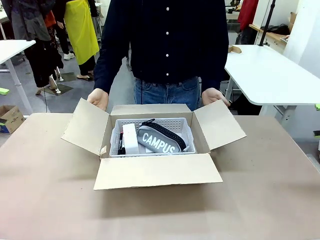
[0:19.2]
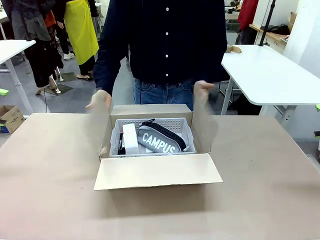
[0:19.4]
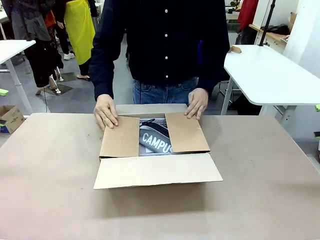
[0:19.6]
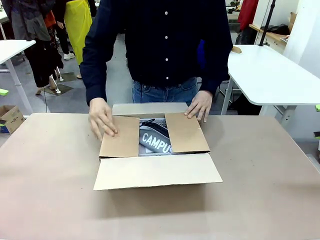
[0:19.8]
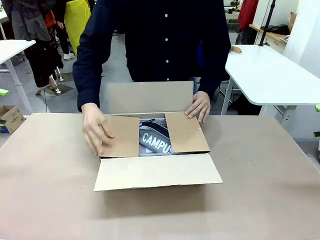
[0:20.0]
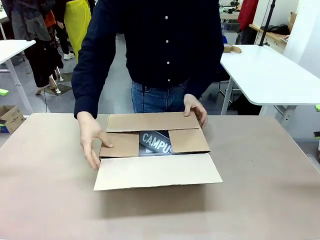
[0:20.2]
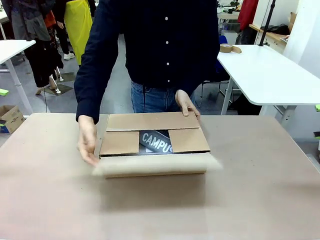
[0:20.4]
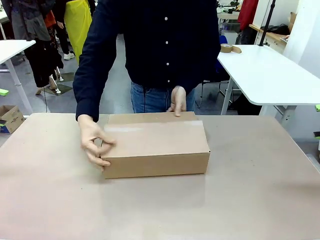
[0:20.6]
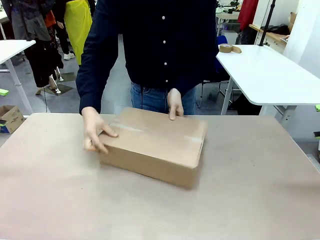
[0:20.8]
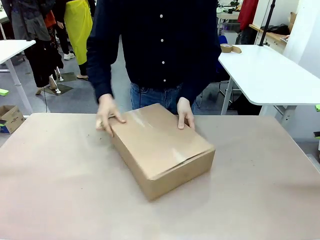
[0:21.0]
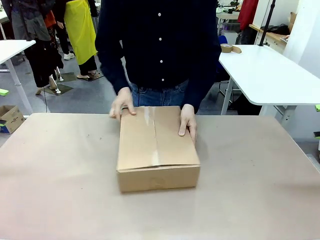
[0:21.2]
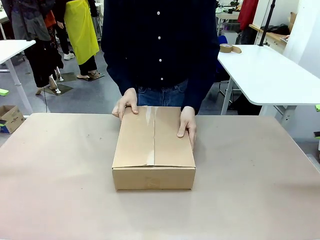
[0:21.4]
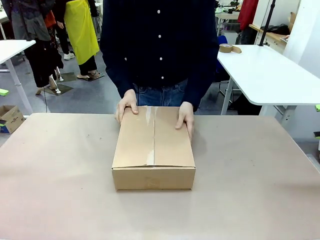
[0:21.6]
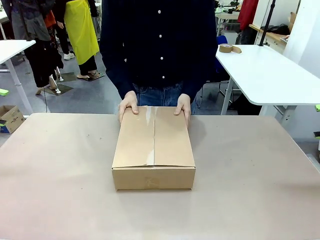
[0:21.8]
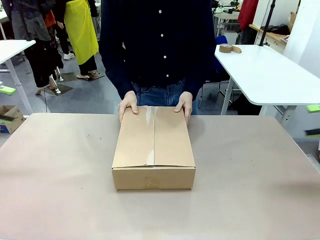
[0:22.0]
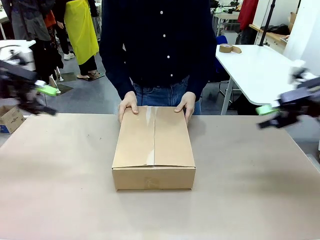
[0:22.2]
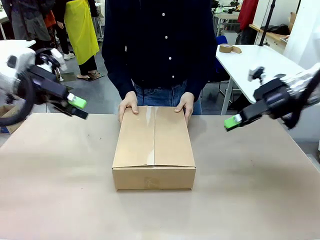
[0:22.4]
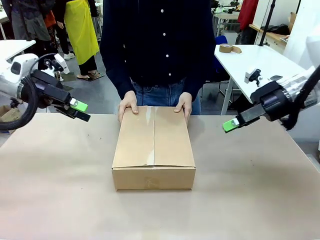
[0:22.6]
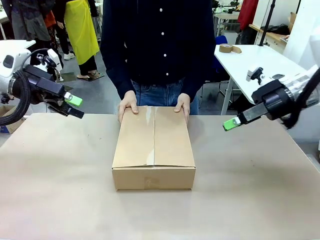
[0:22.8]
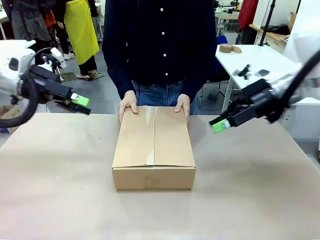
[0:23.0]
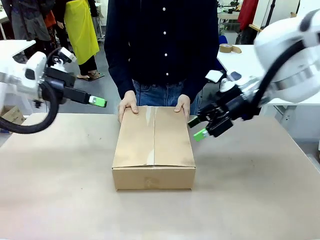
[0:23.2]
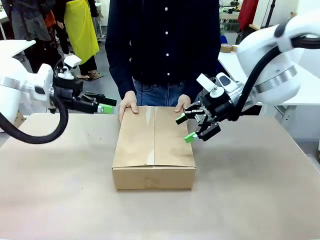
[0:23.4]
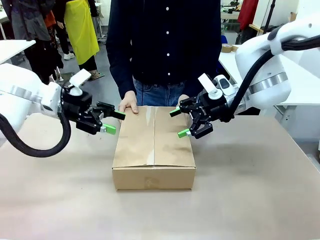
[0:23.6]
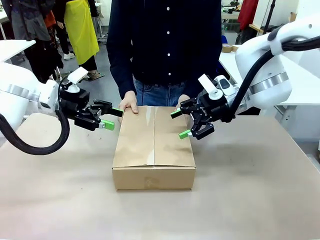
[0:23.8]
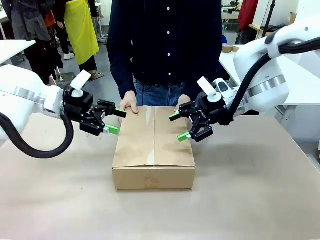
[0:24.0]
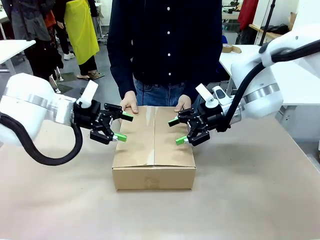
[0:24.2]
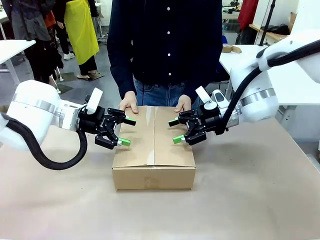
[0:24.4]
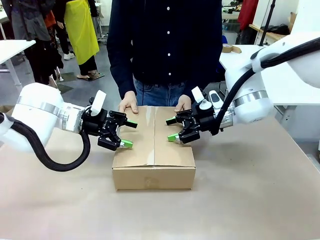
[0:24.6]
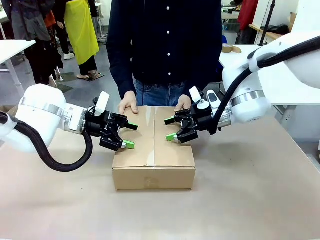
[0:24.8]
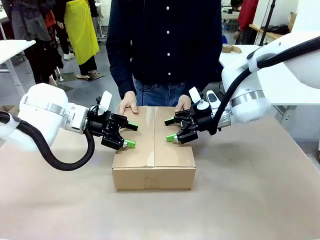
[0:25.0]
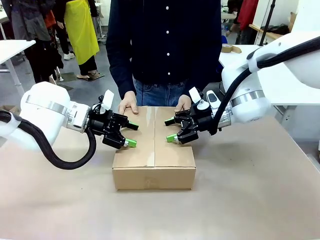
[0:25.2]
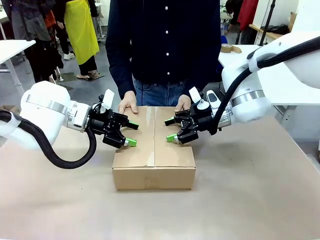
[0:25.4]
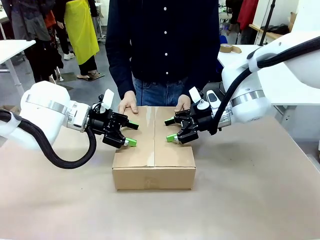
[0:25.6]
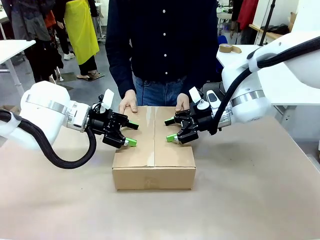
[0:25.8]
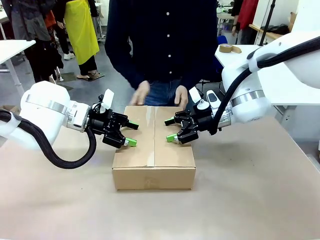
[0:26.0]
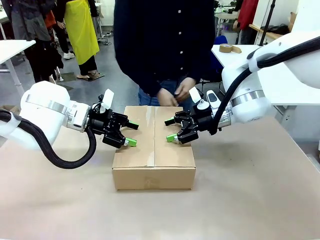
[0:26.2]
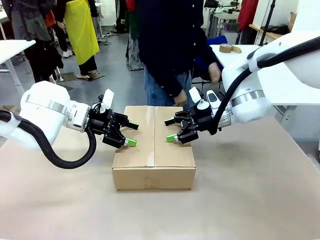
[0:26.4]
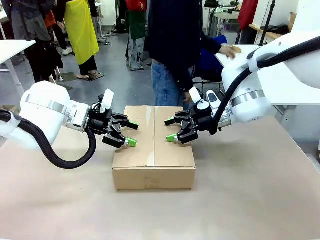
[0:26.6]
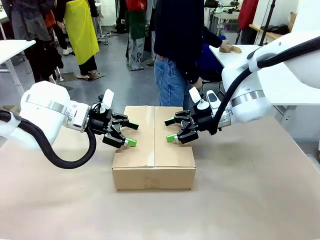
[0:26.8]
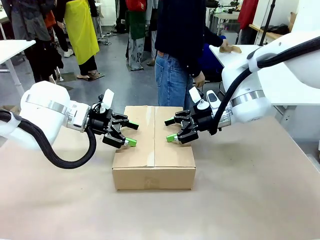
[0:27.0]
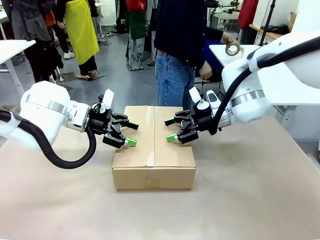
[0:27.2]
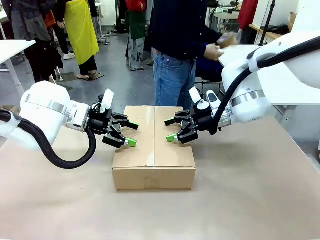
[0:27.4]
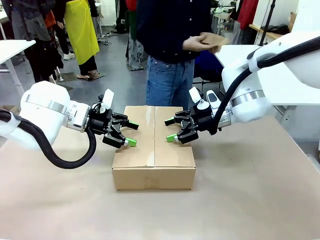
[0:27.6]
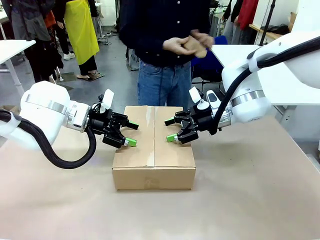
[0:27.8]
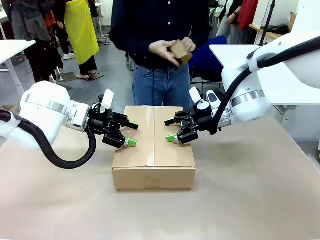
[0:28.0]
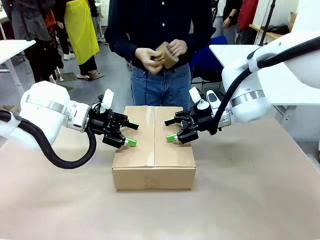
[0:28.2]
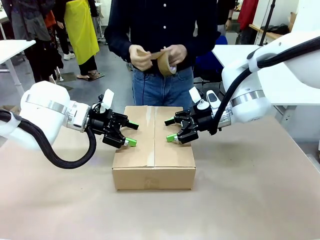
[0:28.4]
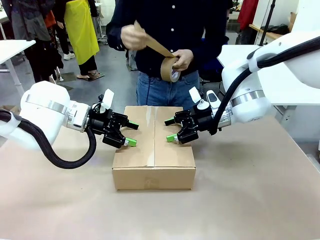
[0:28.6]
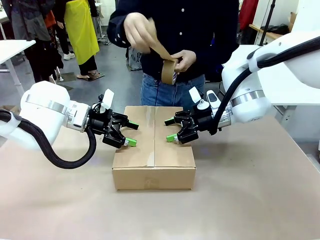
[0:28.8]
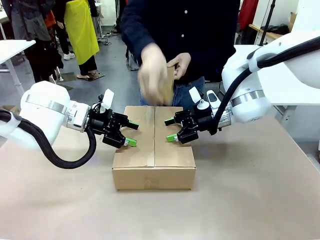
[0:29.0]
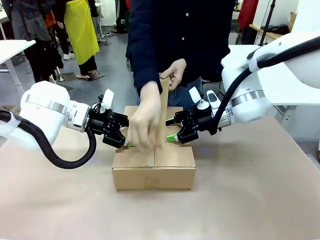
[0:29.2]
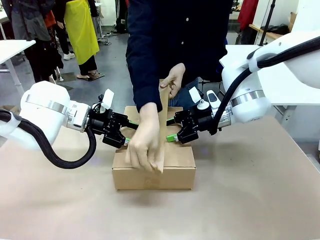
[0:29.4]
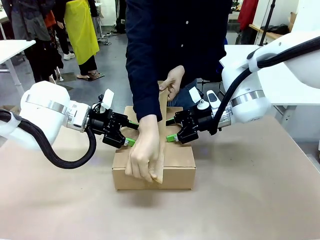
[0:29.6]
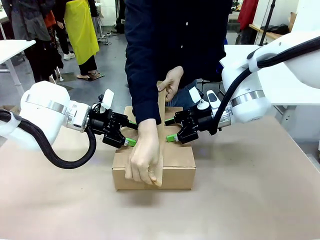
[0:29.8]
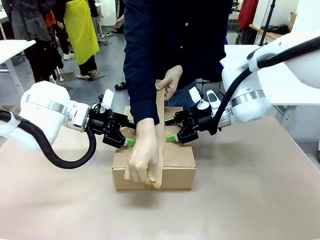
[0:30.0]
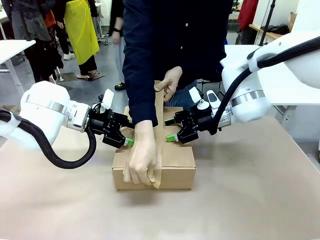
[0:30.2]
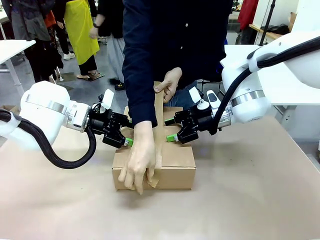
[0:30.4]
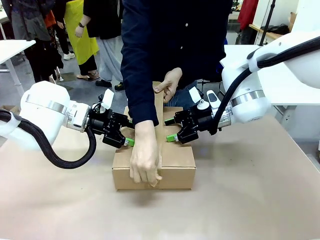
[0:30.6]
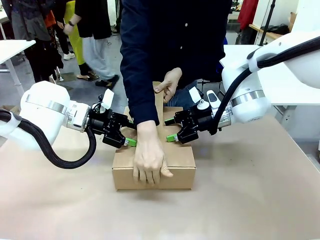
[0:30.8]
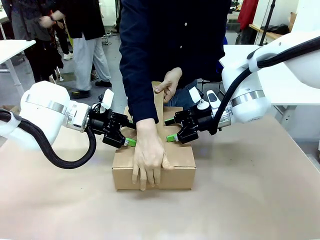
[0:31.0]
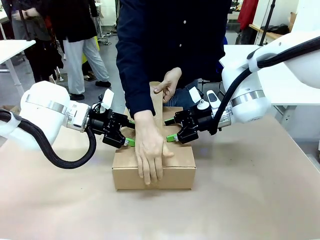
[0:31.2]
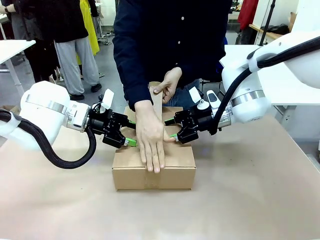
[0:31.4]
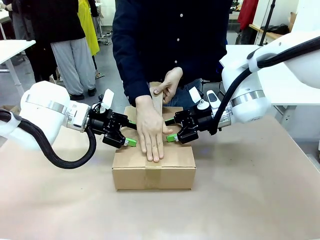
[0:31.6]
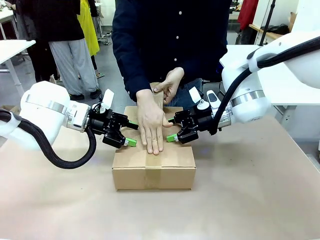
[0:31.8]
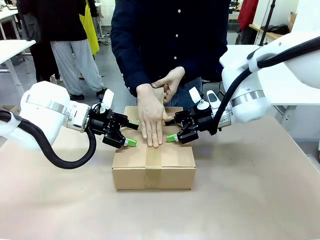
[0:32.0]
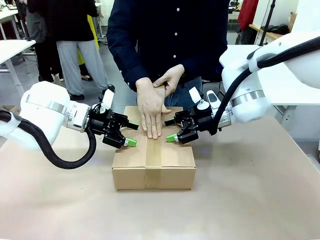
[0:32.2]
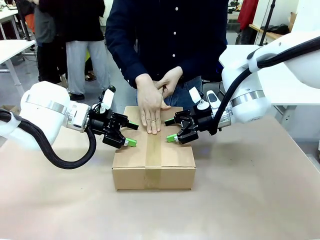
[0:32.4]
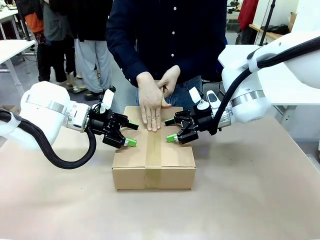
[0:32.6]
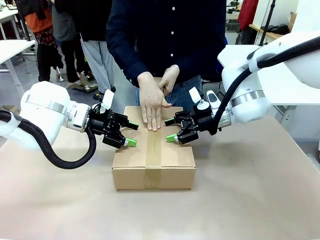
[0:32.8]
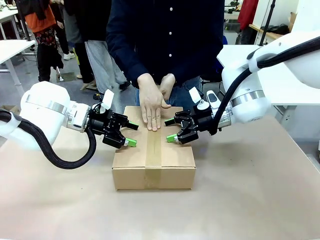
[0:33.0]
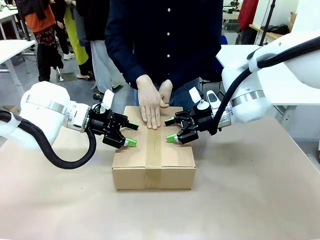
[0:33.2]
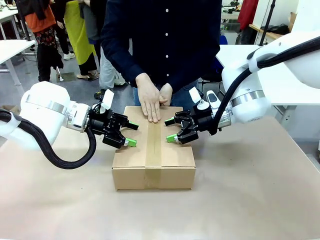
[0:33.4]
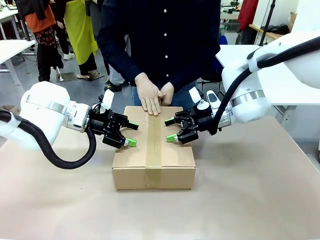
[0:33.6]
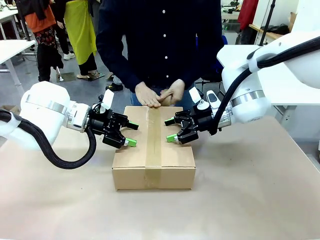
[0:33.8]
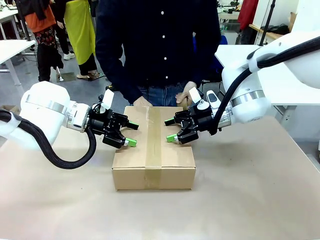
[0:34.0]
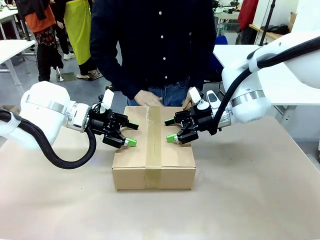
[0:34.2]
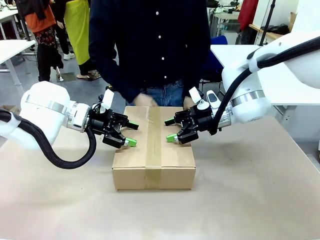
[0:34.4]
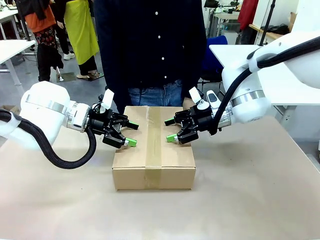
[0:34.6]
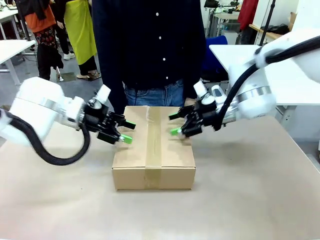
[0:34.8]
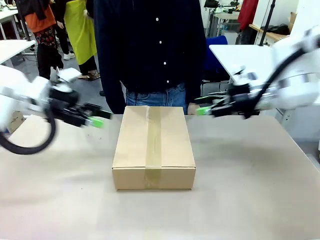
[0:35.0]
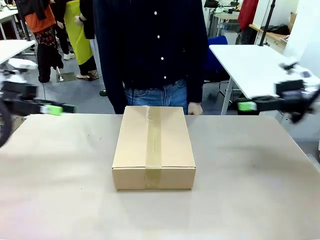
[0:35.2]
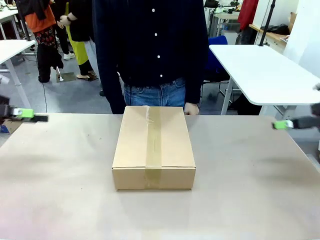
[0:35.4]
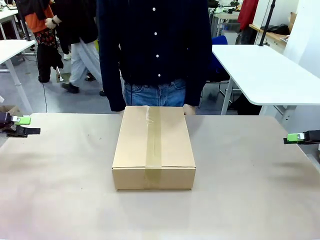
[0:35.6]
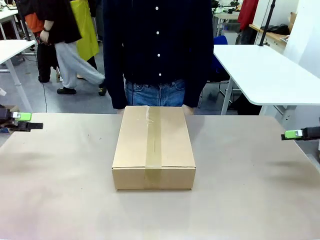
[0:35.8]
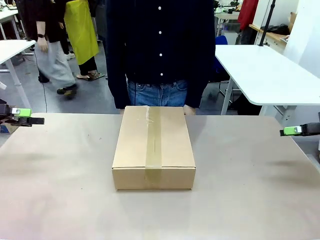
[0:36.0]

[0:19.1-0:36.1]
Task: Pack the gift set into the box.
Robot: Press and hold the closed box until the human finishes sealing it.
Person: The human closes the box and rotates the box by 90 degrees. The human picks up the paper tape from the human table and packs the box.

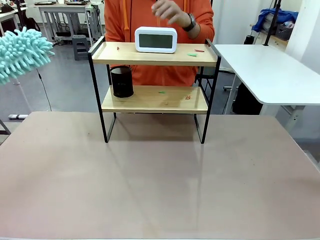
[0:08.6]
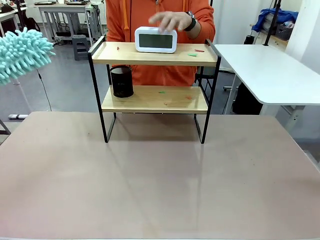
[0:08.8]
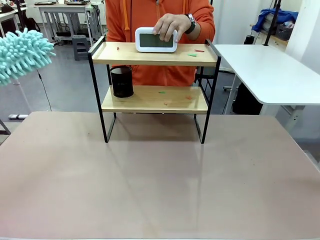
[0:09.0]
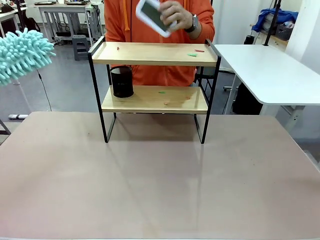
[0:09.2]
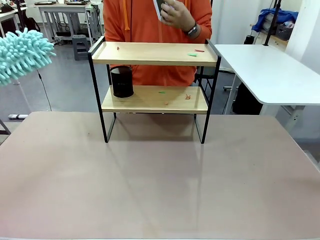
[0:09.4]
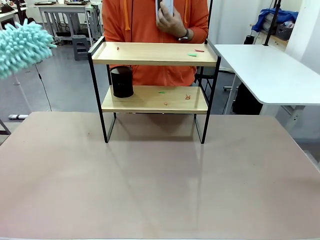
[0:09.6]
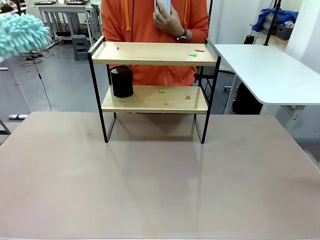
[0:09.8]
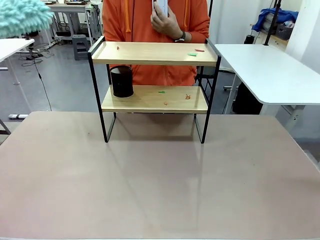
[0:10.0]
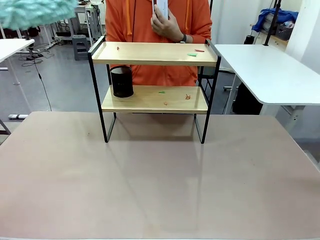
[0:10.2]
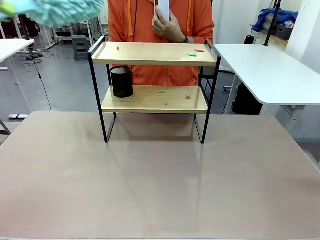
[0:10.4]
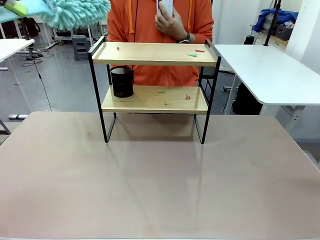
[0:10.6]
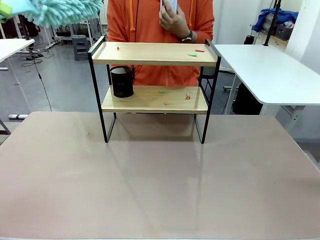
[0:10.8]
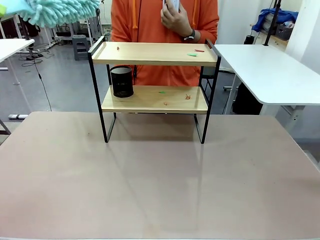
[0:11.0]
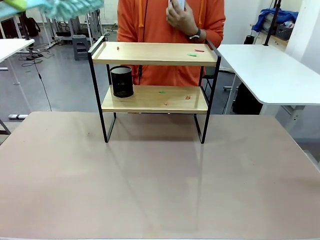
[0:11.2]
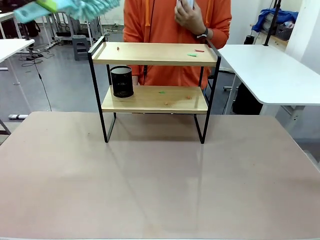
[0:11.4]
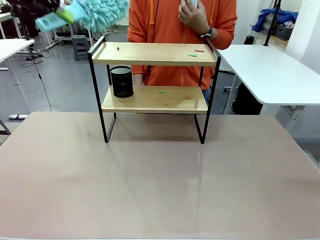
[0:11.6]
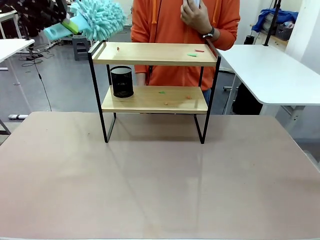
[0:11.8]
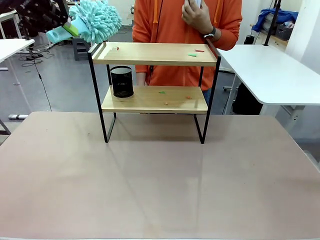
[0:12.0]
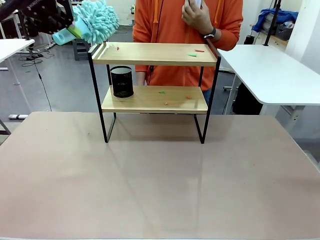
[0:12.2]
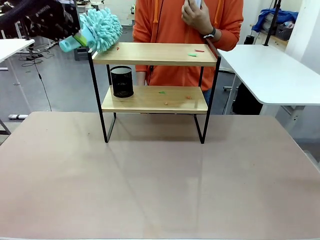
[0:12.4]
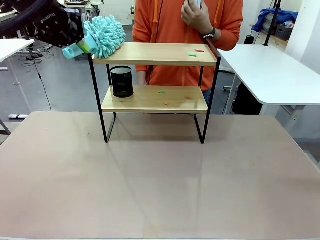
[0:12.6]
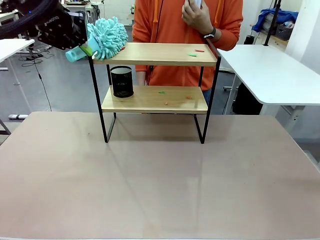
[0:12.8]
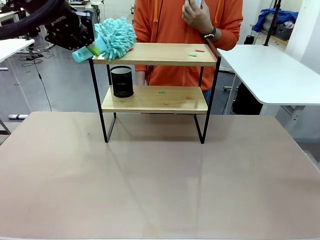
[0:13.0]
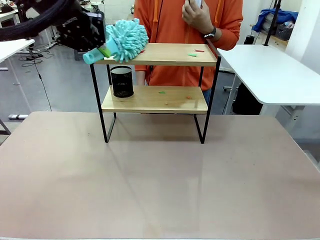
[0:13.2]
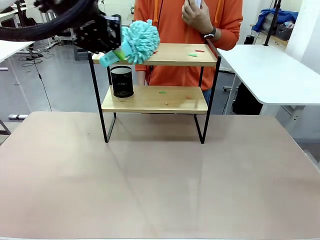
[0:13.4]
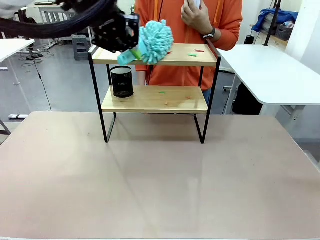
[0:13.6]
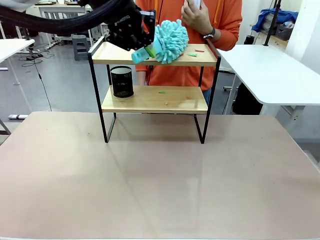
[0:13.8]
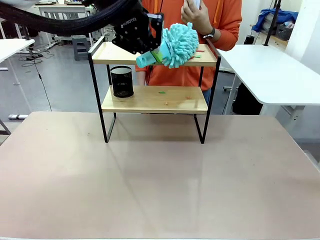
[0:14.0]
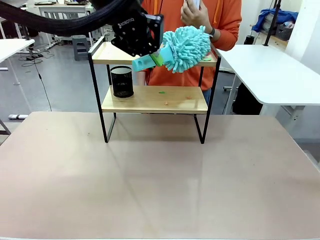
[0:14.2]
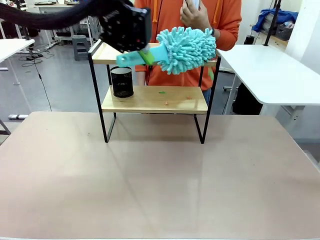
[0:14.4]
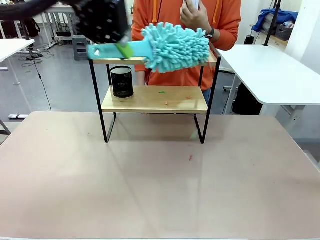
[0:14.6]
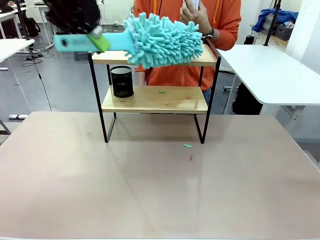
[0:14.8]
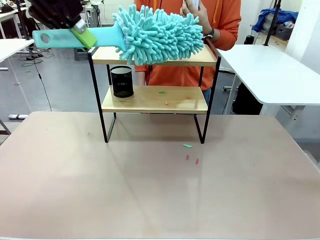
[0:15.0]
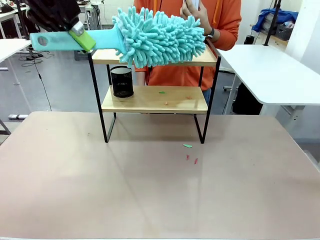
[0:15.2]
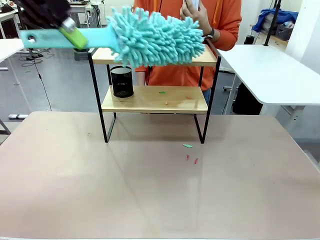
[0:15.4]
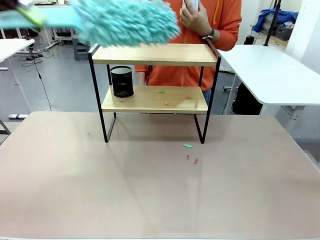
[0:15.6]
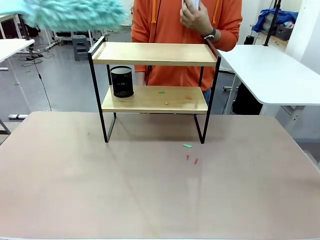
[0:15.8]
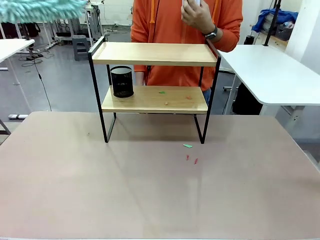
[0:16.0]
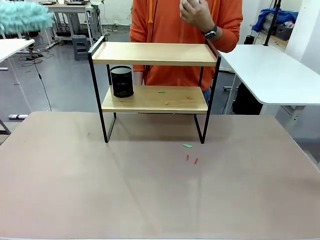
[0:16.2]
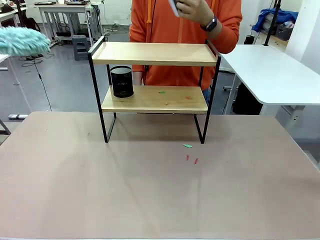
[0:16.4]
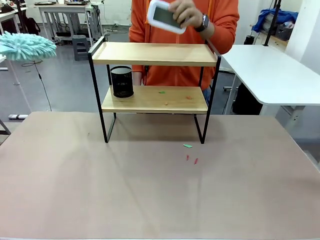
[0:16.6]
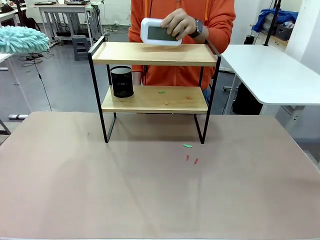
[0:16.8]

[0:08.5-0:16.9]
Task: Clean the shelf.
Robot: Clean the specific tier of the Shelf with the Duster once objects are removed.
Person: Lift the objects on a randomly selected tier of the Shelf. Once the robot finishes cleaning, lift the objects on the remaining tiers of the Shelf.
